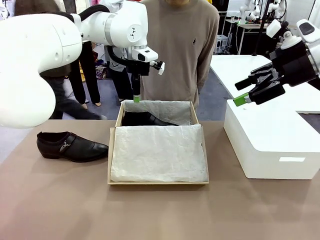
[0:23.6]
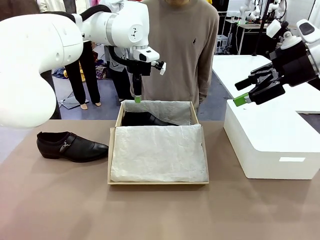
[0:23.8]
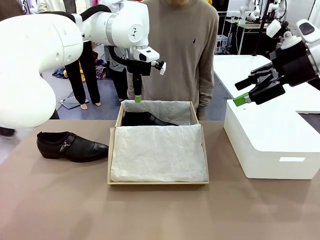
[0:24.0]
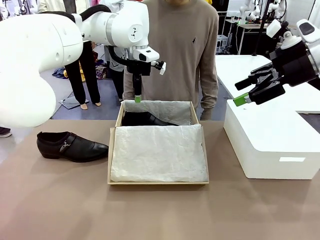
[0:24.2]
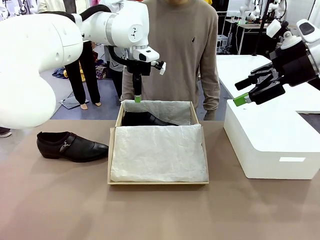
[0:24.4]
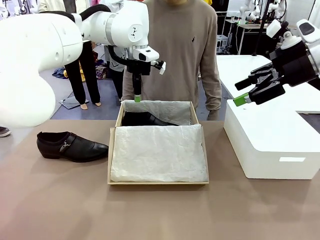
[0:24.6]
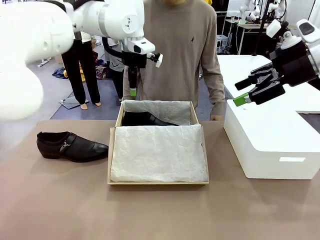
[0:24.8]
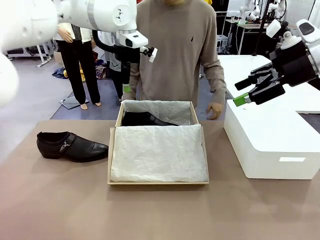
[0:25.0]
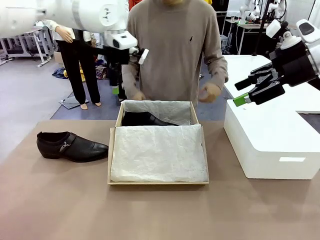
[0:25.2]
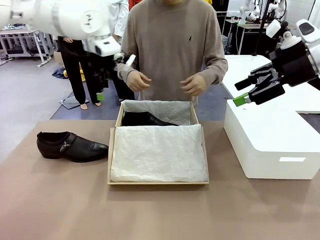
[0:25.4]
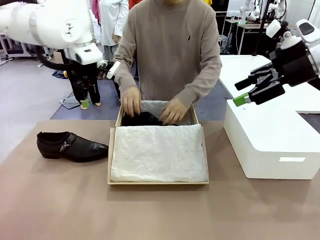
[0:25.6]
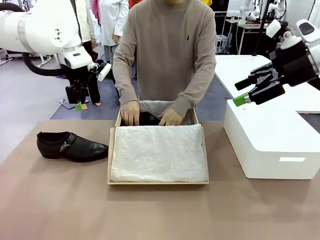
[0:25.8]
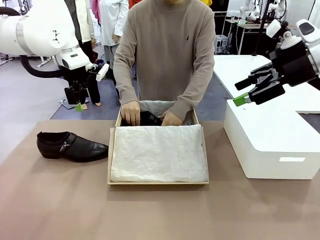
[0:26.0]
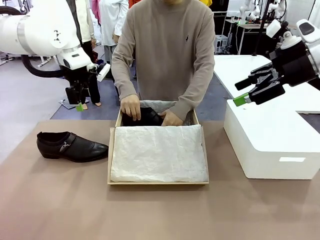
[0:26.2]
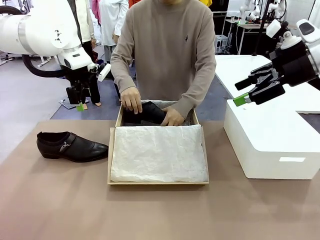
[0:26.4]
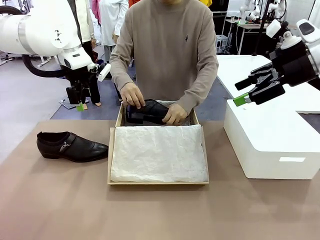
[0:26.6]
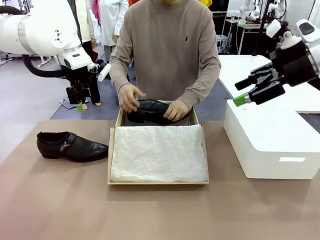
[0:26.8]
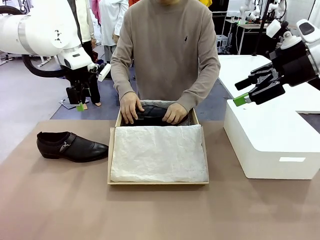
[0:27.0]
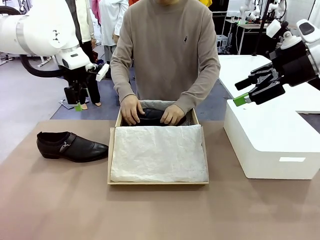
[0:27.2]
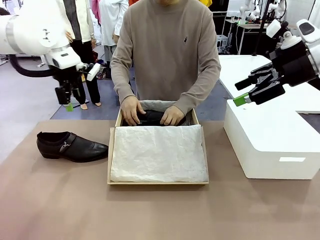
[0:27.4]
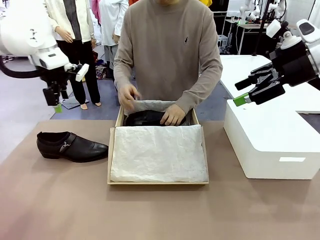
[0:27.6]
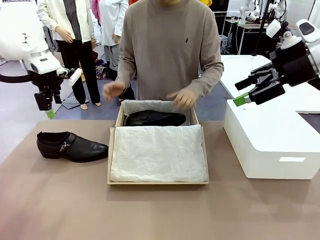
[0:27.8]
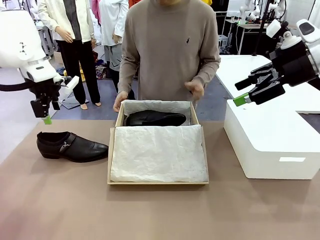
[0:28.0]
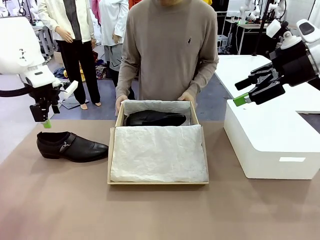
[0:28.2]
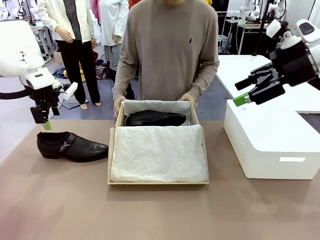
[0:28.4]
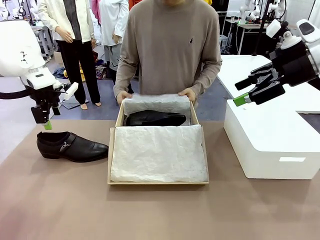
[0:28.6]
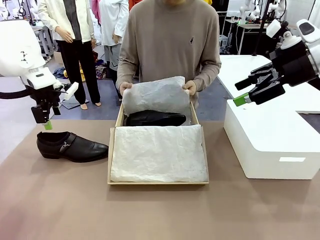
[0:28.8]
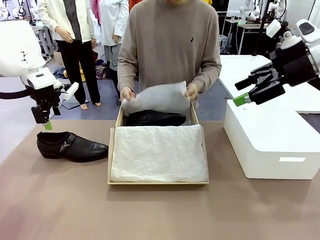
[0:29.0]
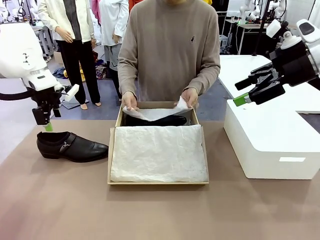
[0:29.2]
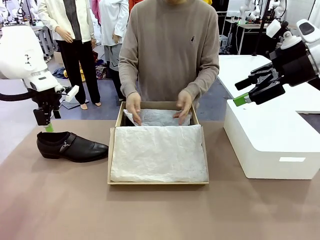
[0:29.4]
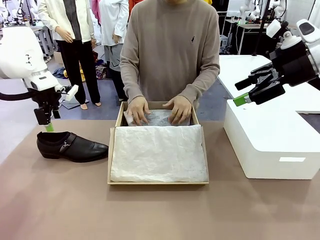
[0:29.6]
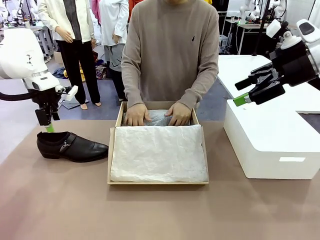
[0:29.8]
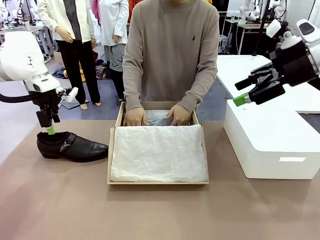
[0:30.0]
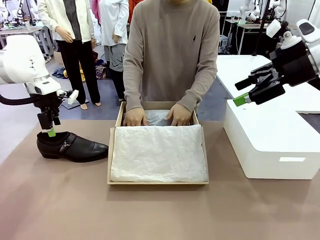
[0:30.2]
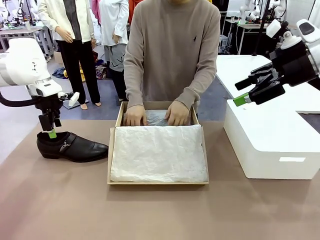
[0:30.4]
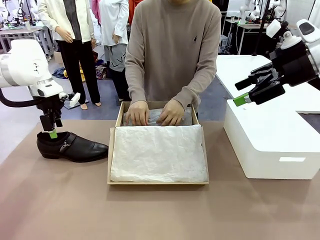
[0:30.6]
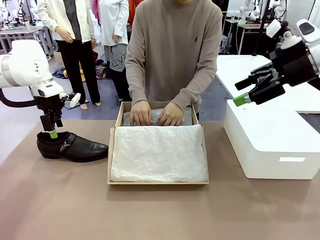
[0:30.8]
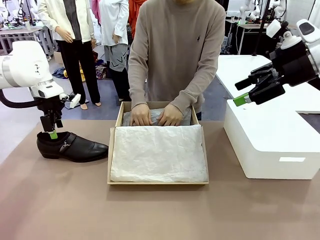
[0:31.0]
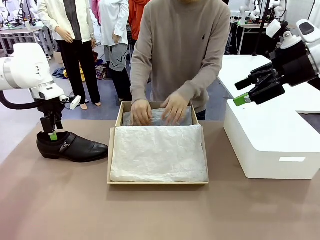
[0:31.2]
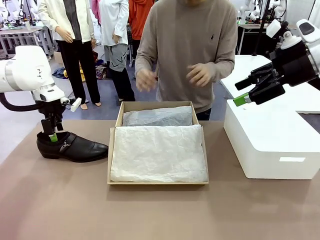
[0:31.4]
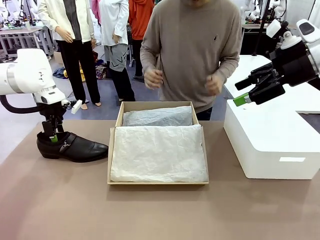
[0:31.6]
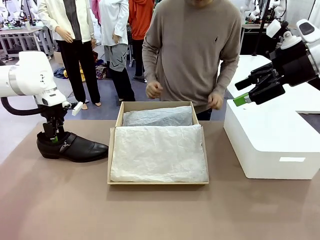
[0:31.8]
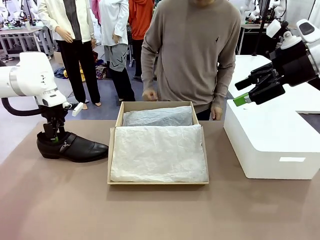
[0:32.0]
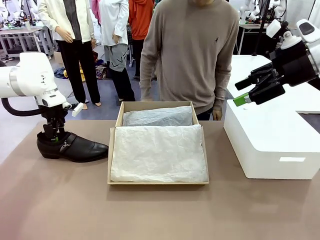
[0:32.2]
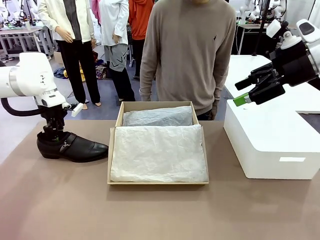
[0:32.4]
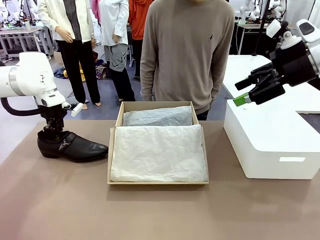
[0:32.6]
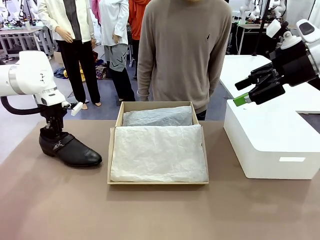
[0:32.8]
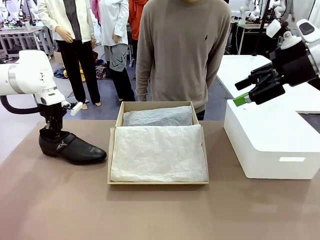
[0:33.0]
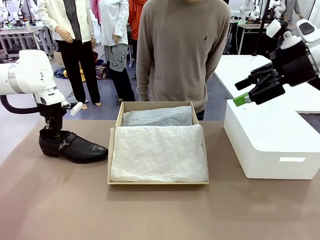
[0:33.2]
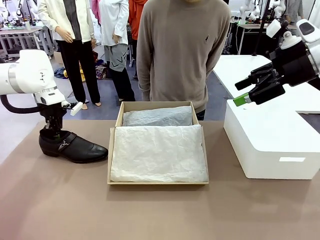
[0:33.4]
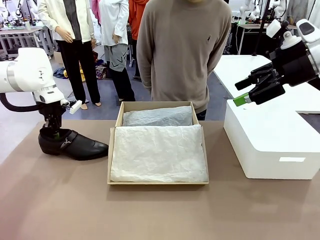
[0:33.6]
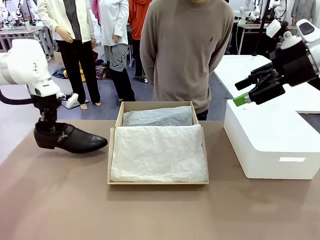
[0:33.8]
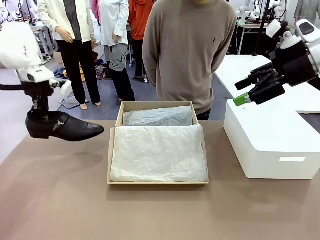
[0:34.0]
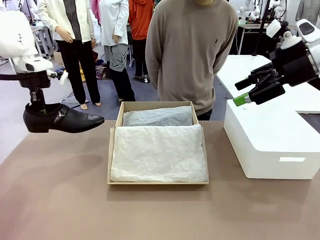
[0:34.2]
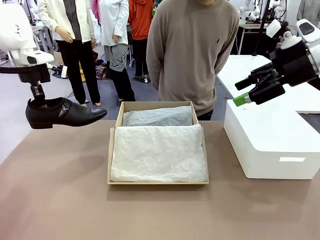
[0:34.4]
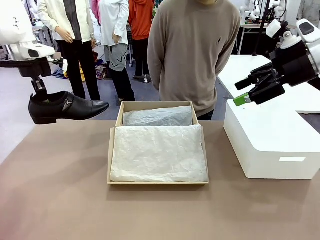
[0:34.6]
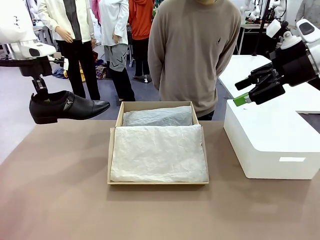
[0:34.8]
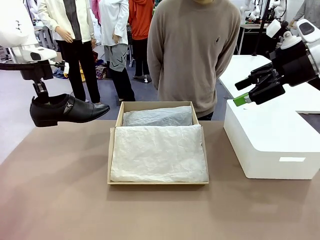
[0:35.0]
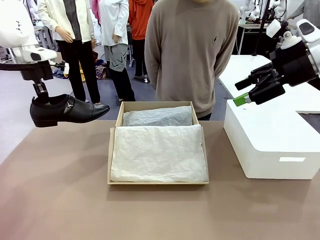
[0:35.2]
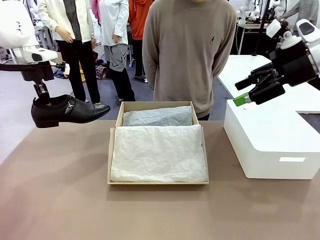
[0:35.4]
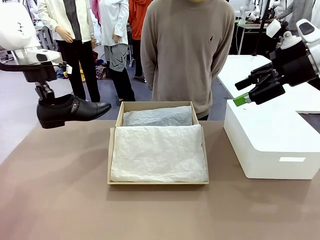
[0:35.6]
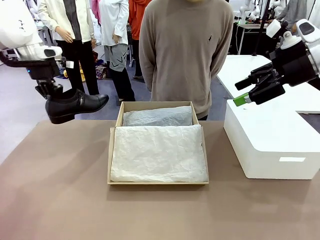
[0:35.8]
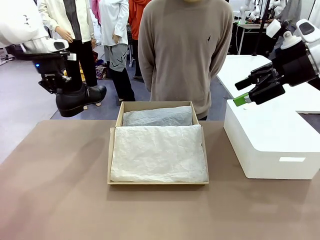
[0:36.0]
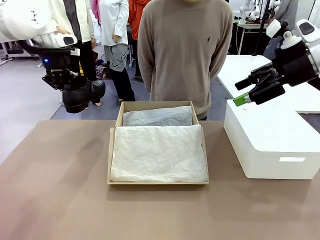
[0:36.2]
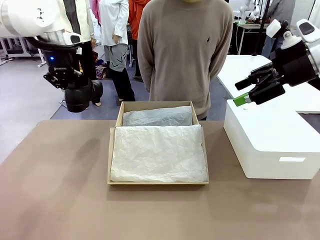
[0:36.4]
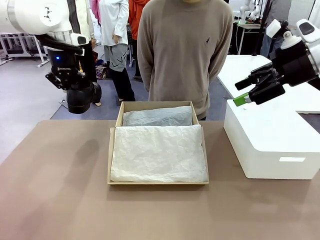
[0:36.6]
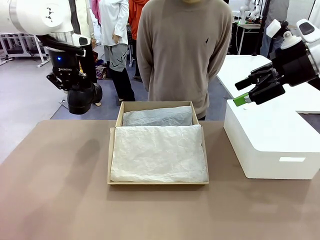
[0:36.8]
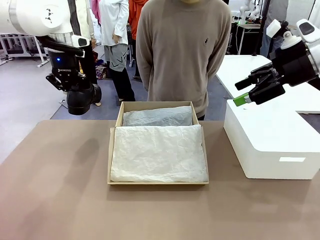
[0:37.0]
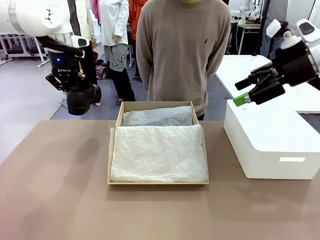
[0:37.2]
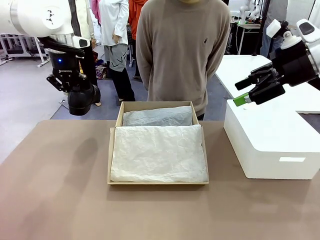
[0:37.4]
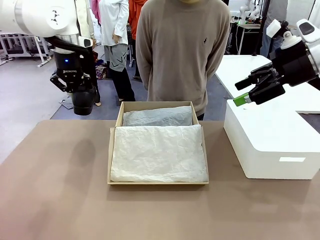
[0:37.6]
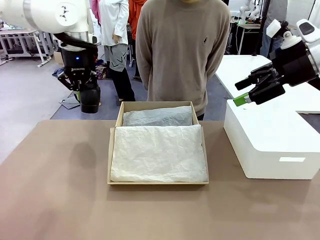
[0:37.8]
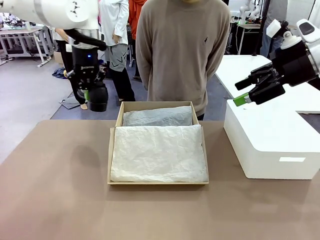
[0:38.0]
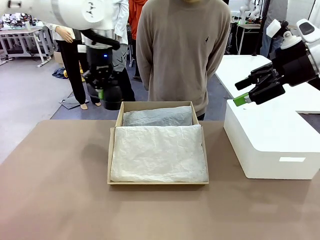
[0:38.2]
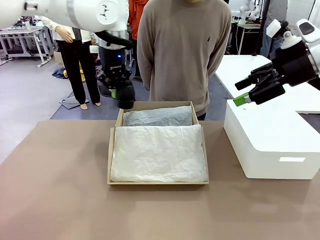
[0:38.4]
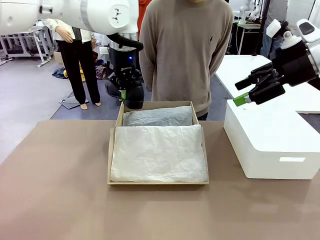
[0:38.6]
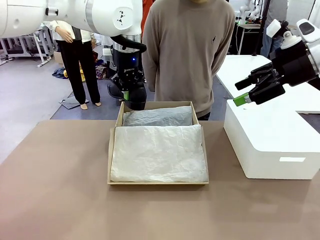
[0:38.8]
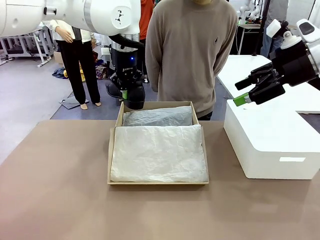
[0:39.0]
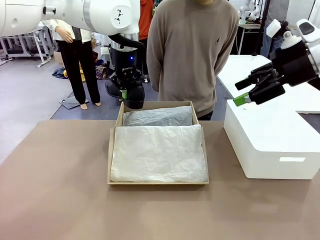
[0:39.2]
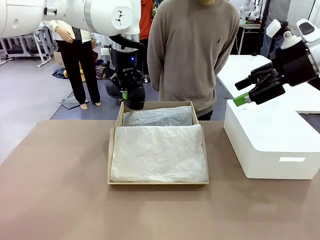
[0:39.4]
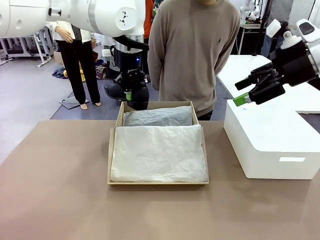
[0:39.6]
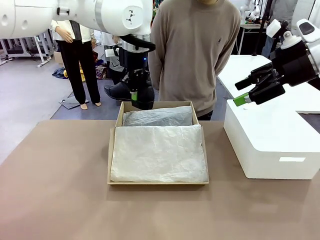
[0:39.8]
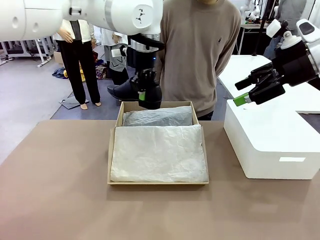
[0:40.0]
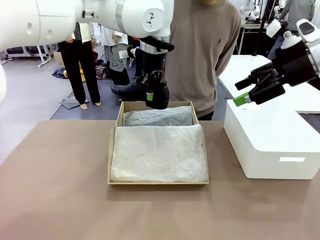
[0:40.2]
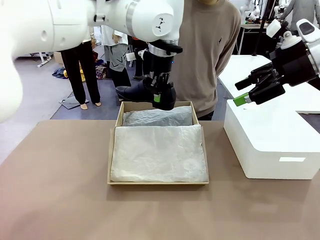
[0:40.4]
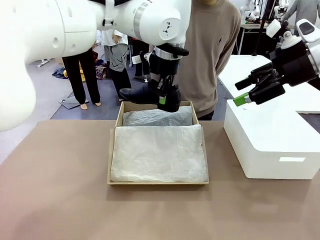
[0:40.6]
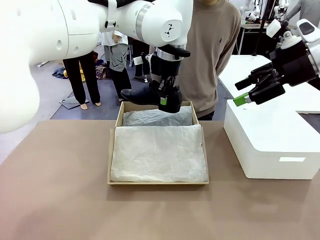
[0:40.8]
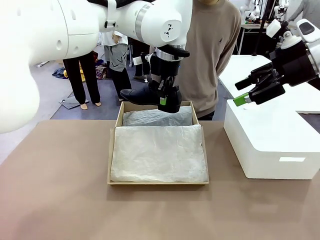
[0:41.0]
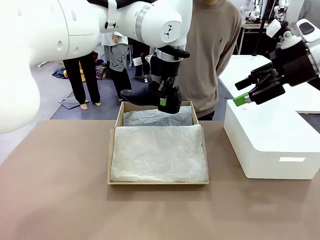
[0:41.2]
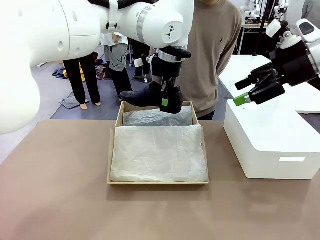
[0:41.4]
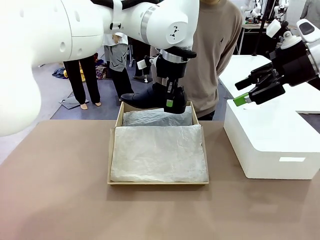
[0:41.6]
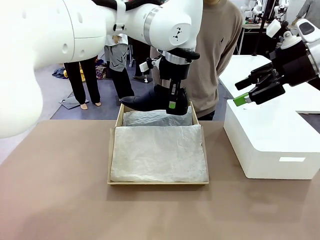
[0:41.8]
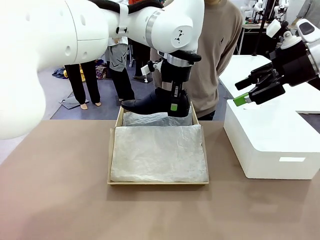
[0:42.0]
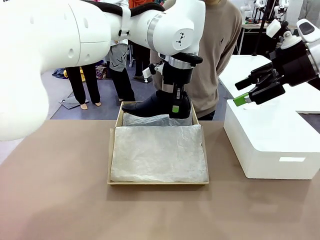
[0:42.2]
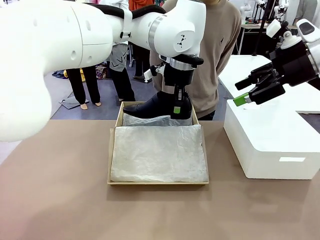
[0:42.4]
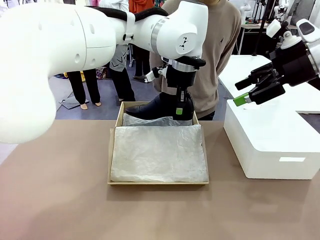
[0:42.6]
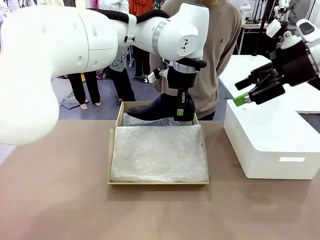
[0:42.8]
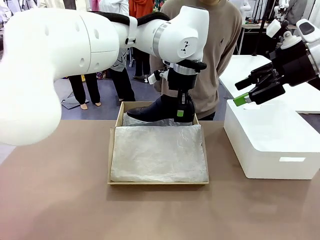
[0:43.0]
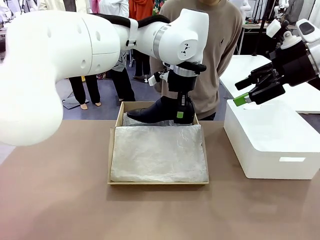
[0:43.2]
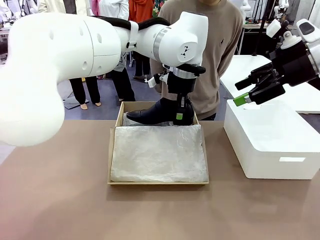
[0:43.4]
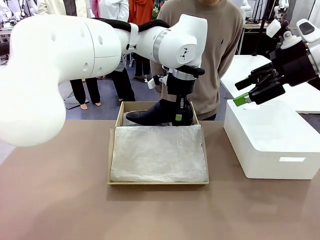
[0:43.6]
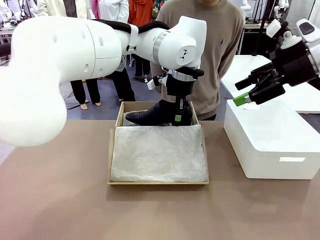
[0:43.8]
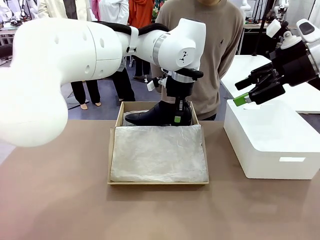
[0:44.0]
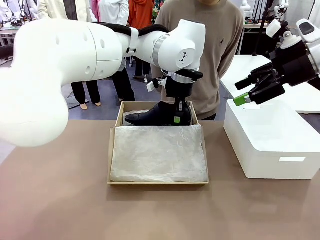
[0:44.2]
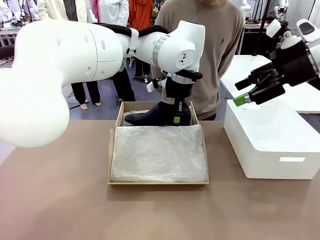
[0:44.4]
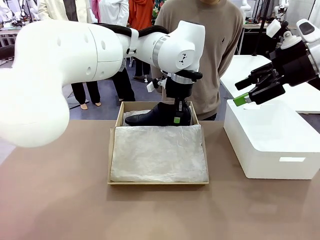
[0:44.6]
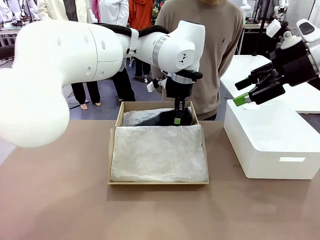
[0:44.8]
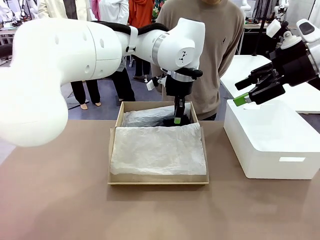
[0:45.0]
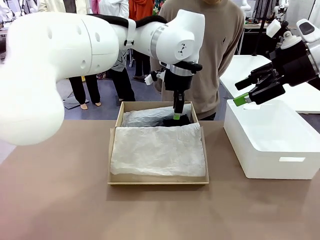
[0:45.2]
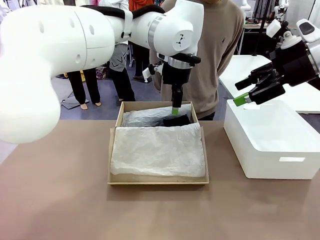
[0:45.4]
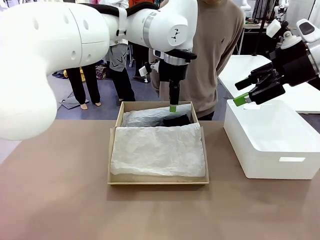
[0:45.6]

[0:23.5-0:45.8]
Task: Pack the shoes into the box.
Robot: Place the other shoe of the Shoes into the Shoes Box.
Person: Pack a shoe of Shoes inside the Shoes Box with Shoes Wrapping Paper.
